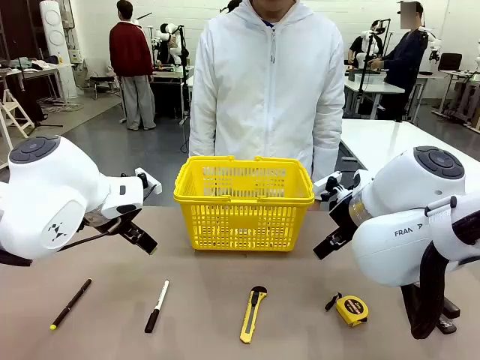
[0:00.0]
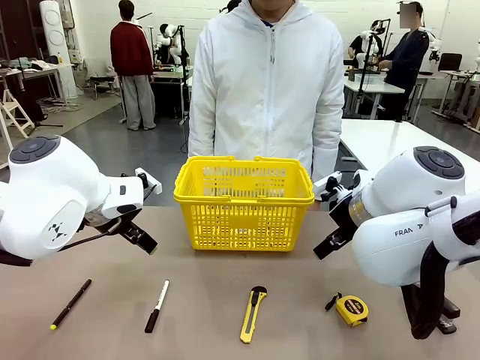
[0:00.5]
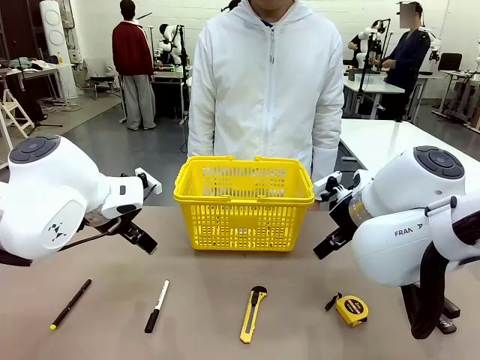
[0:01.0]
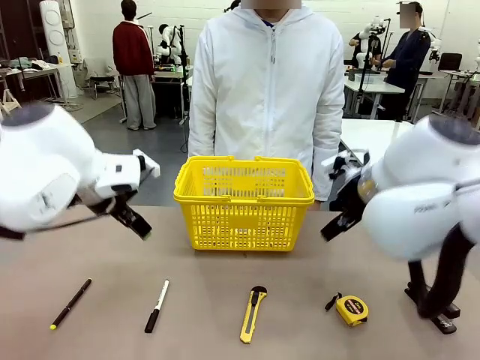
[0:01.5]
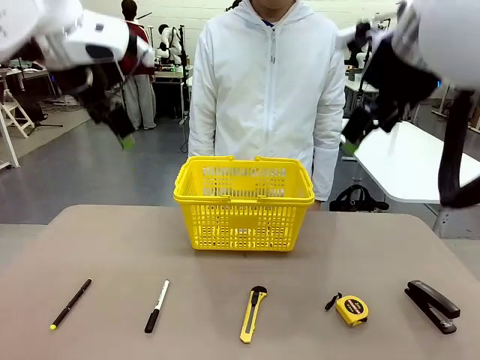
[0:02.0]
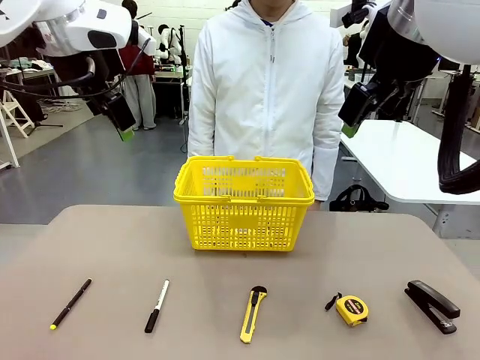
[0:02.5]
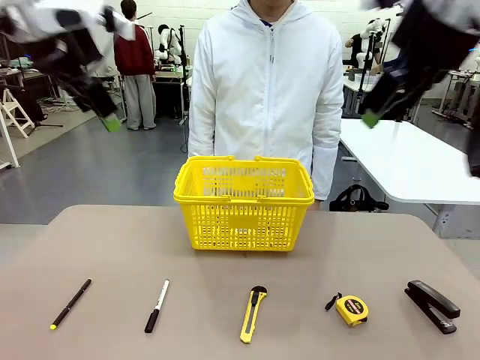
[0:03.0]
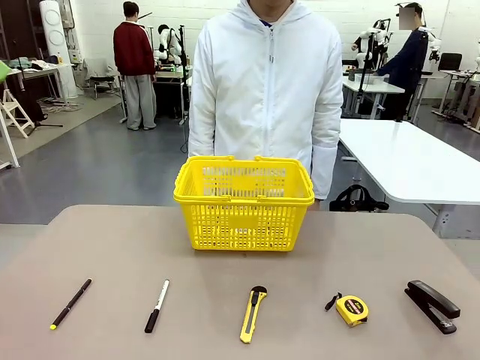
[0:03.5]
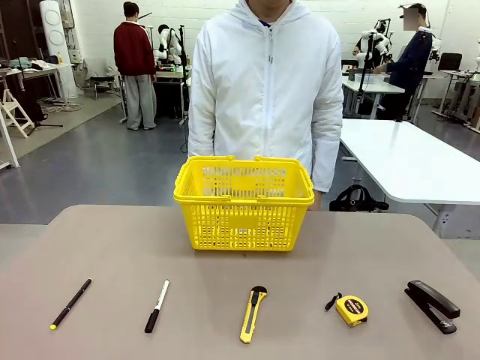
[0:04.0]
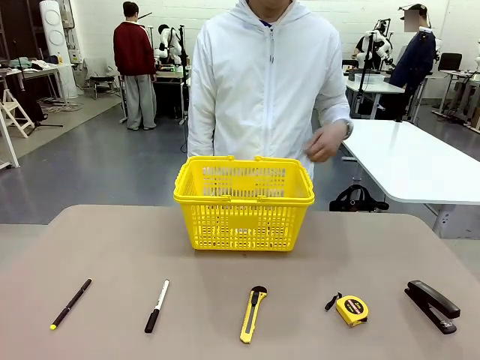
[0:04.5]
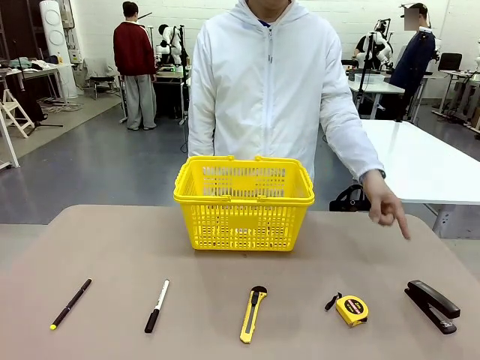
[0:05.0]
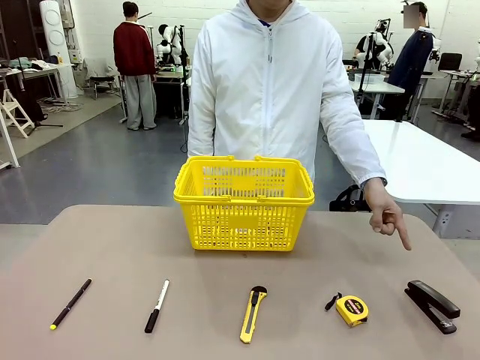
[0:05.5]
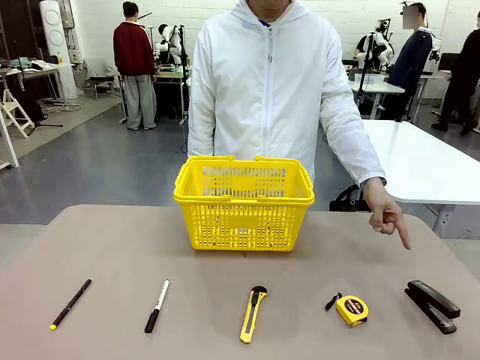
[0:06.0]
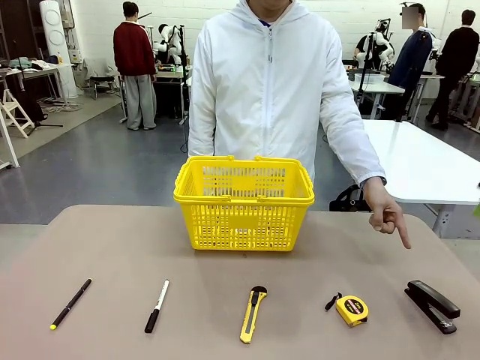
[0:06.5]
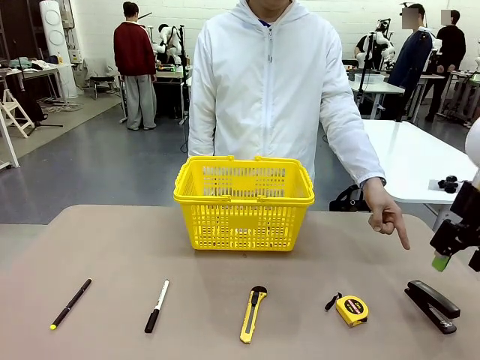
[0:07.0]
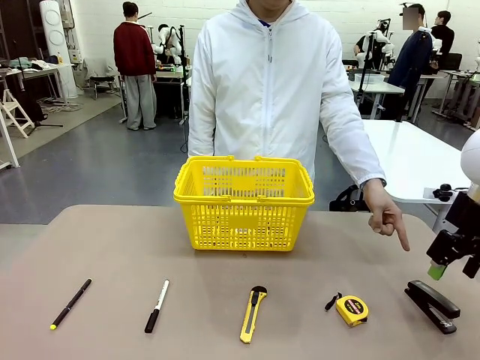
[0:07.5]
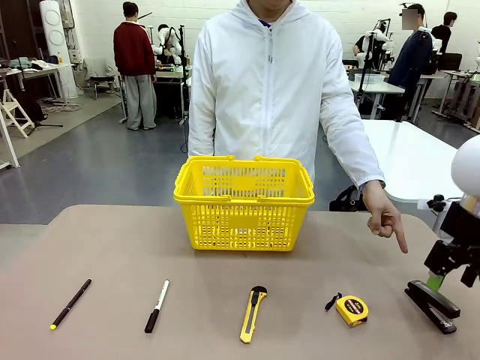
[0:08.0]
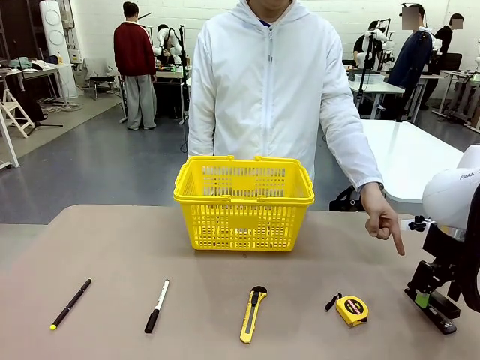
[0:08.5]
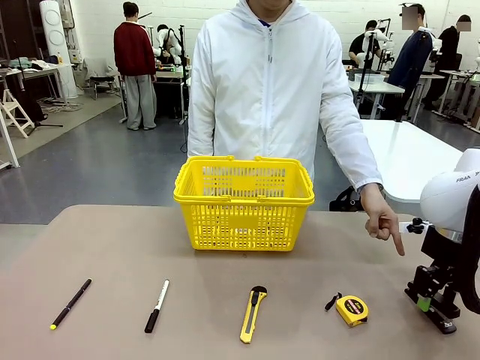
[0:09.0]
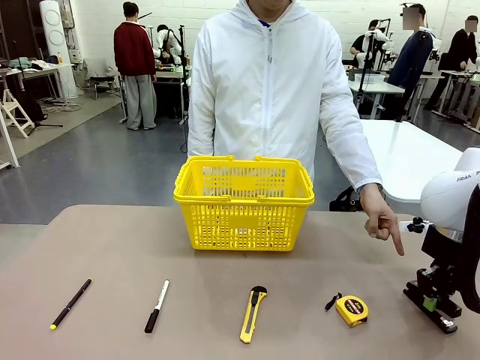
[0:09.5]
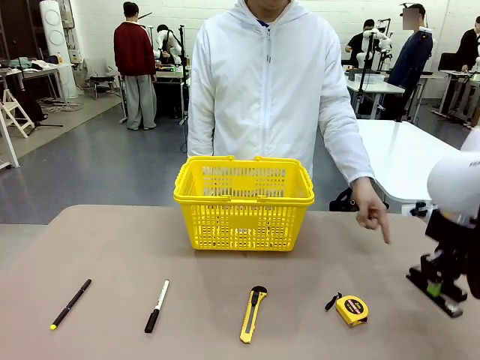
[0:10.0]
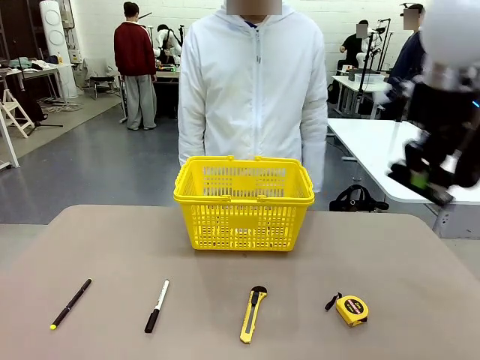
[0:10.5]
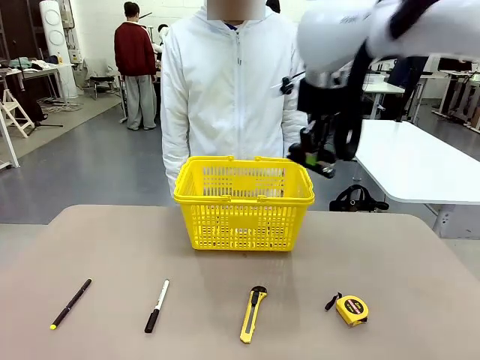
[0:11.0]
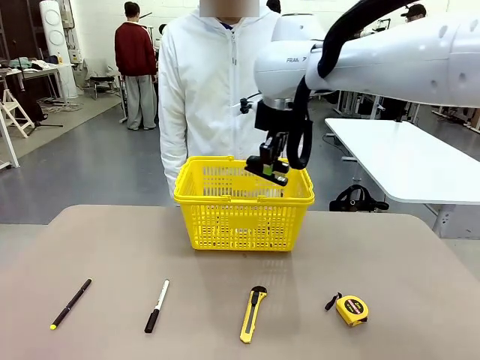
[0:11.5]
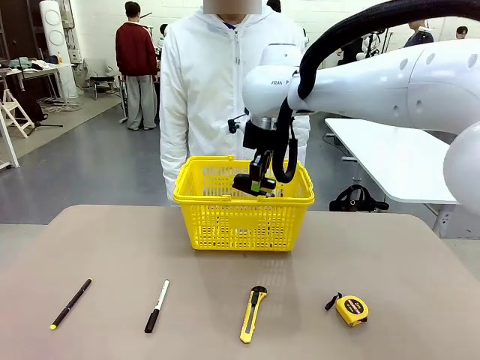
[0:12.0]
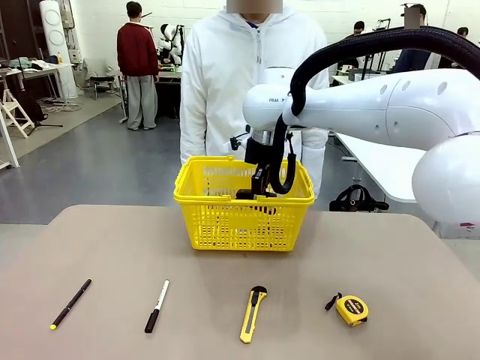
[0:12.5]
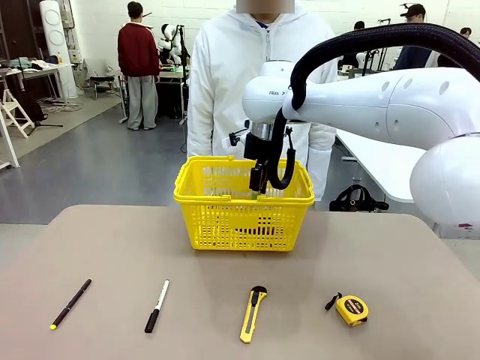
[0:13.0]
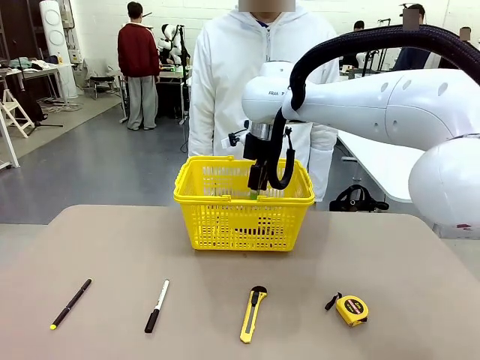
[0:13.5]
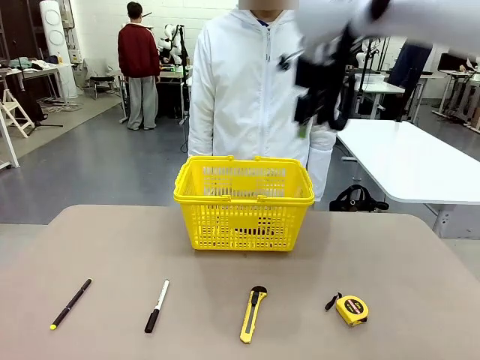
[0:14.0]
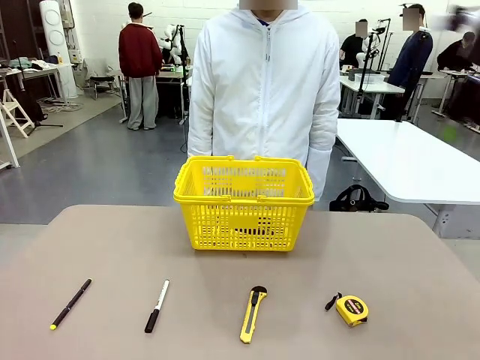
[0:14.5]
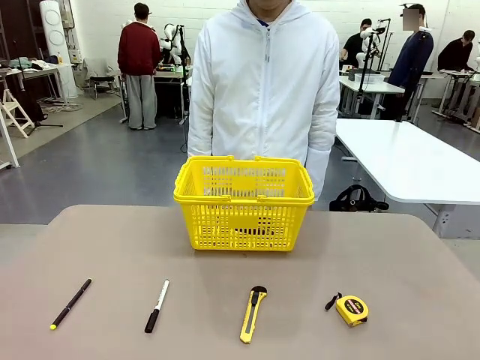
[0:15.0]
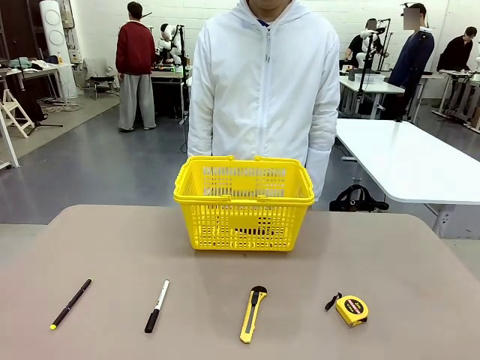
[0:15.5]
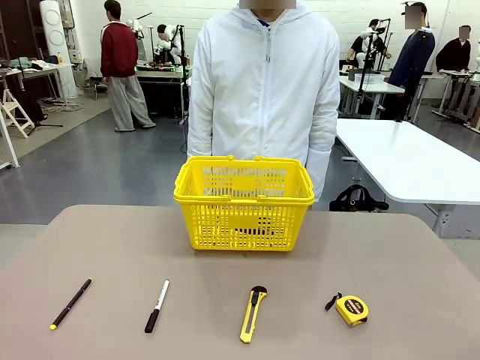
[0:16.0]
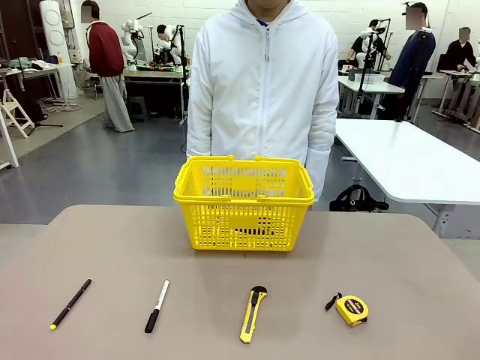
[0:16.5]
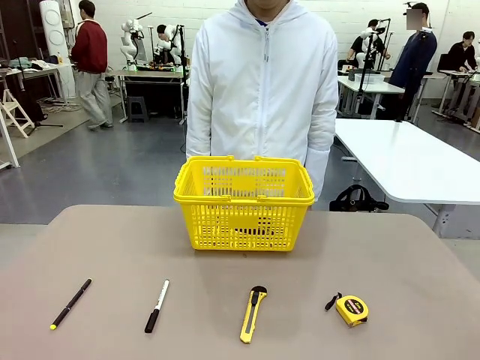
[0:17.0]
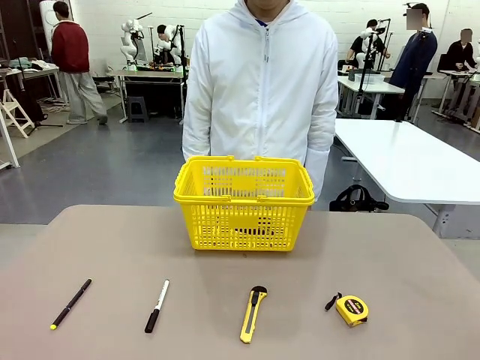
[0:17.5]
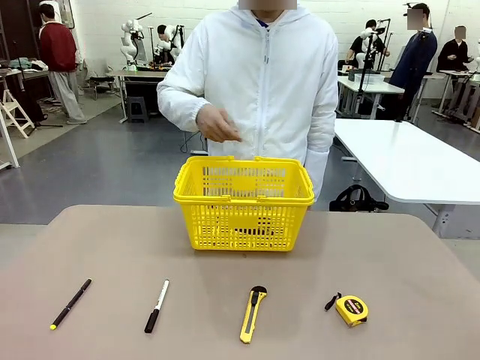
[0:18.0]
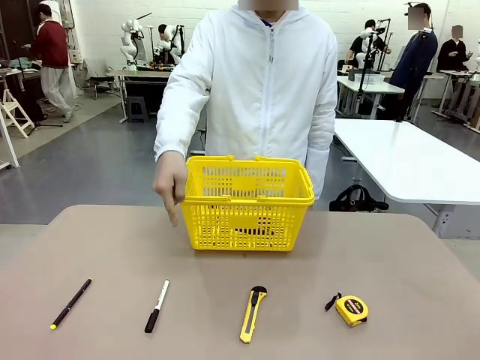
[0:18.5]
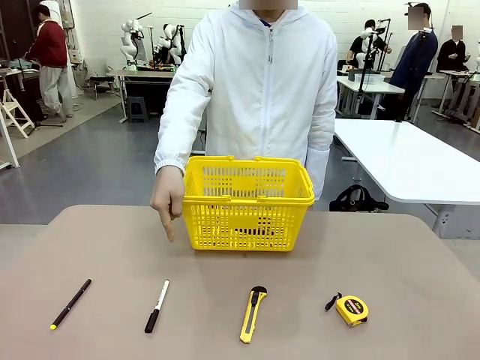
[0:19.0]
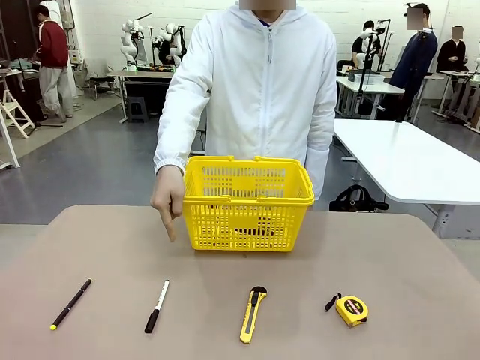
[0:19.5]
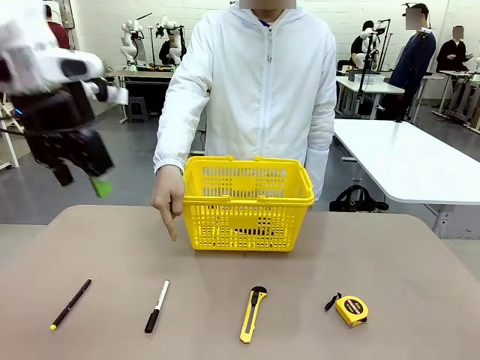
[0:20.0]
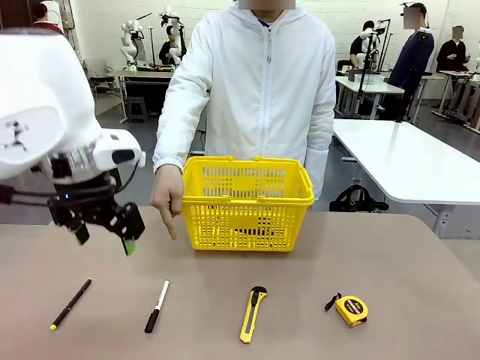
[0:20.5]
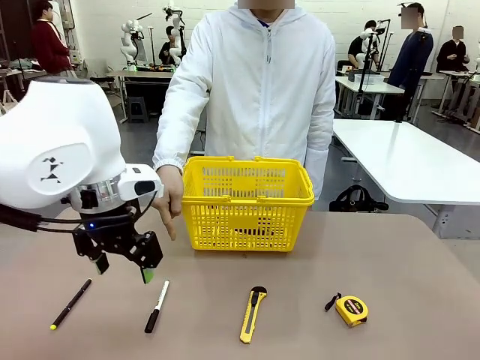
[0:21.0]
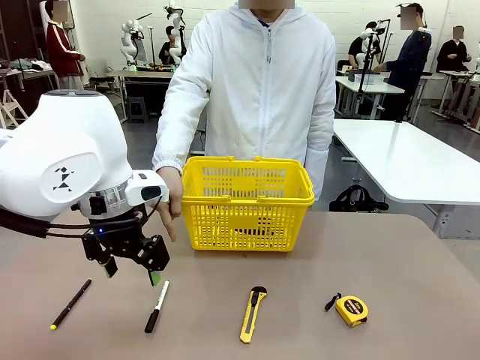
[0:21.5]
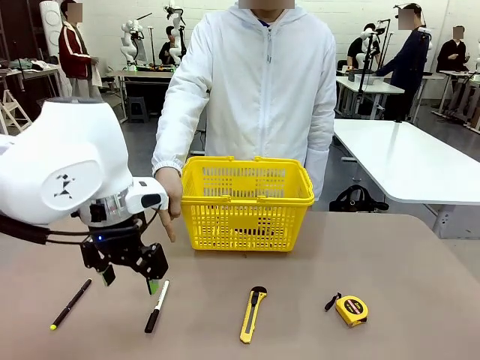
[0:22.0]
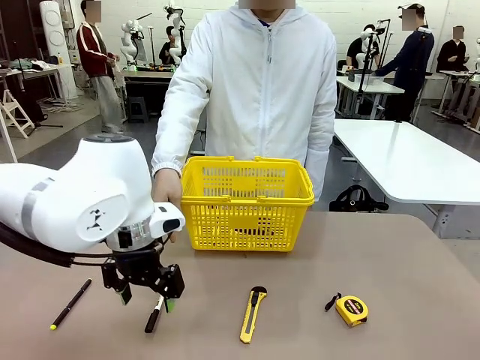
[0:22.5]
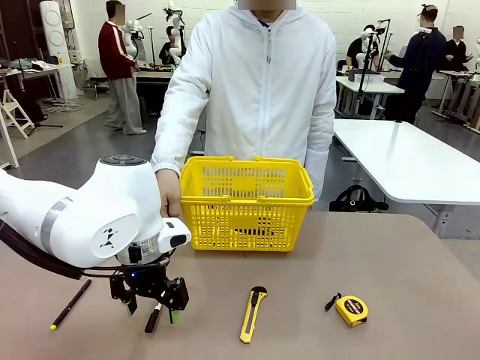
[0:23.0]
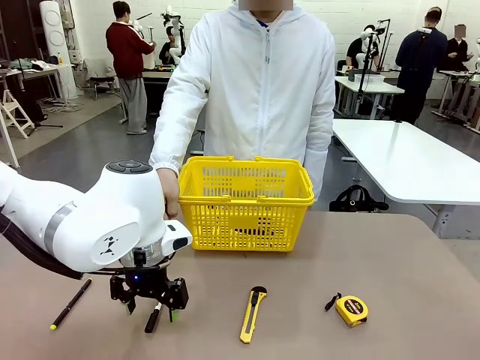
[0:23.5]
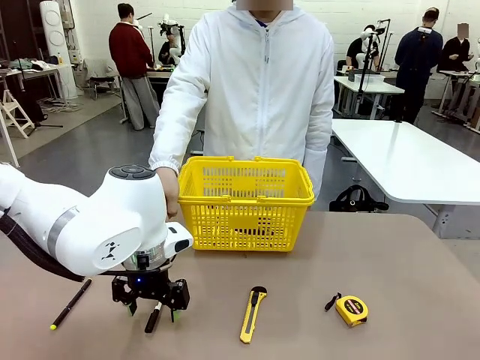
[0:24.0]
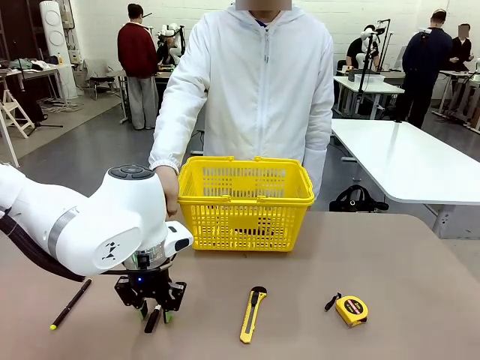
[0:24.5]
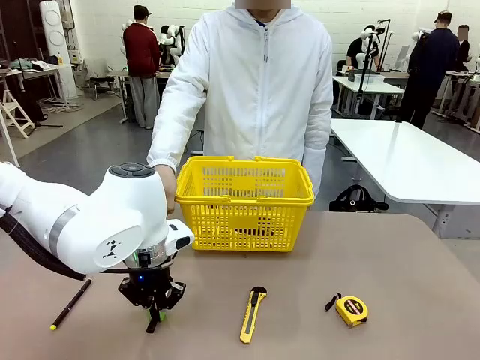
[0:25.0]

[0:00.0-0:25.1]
Task: Place the items the person wants into the basket.
Robot: Pick up the item the person points to and place it in the Market Basket.
